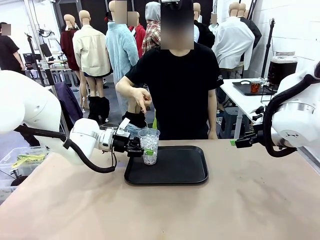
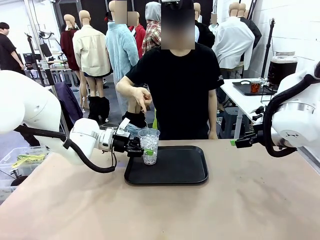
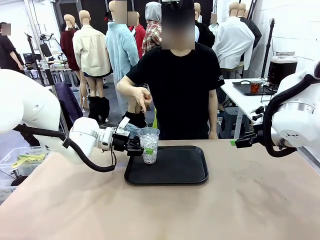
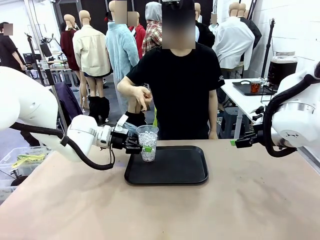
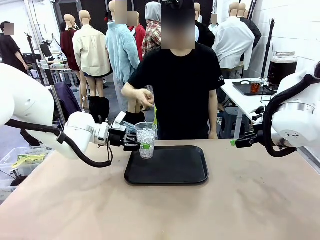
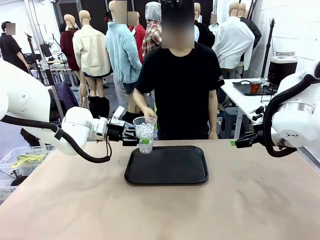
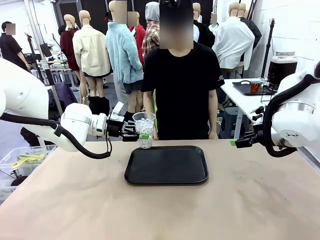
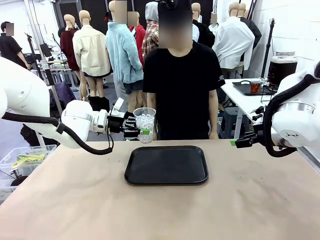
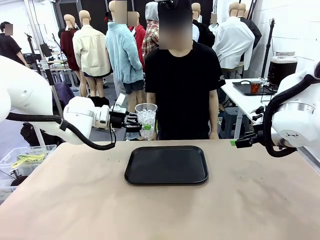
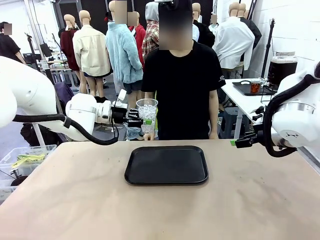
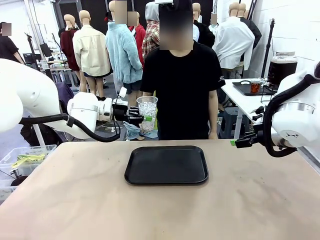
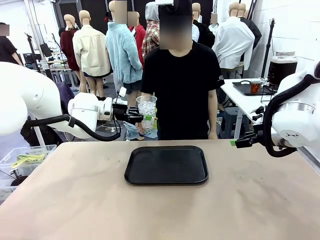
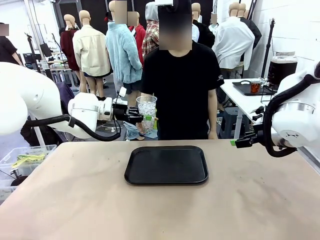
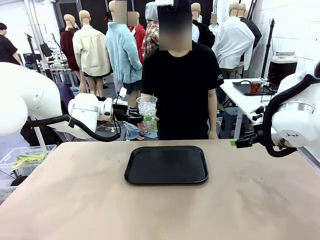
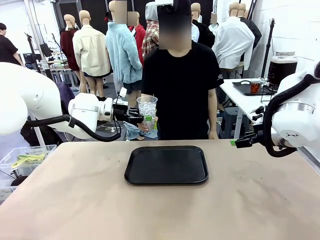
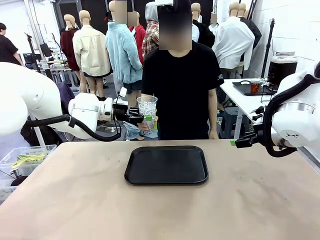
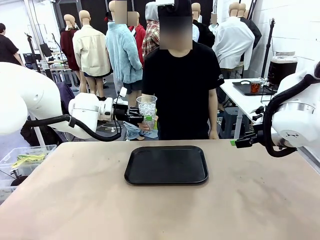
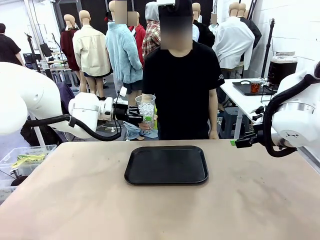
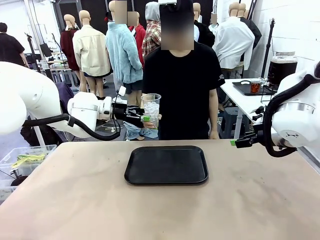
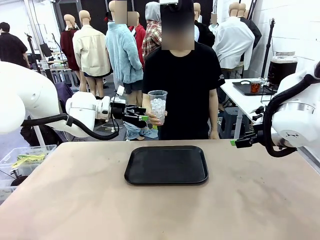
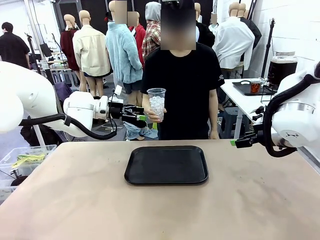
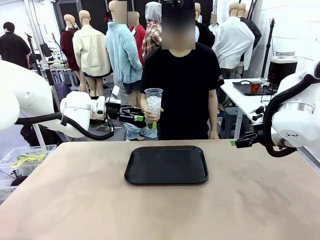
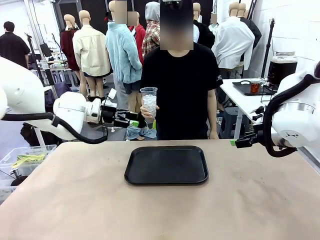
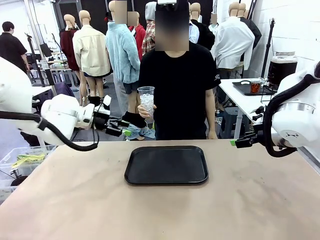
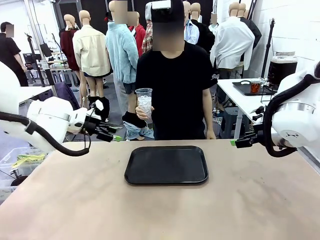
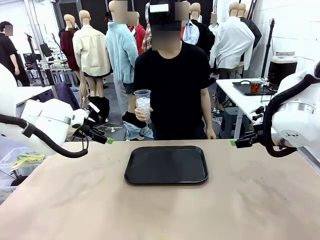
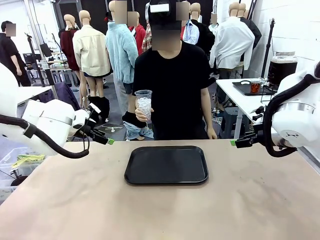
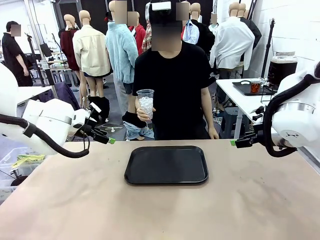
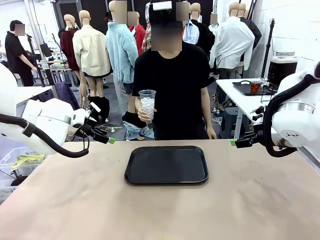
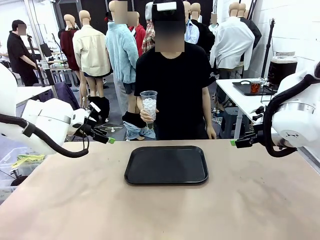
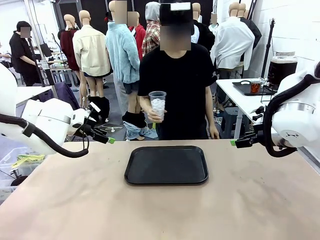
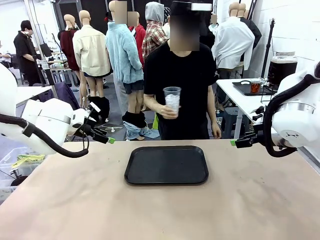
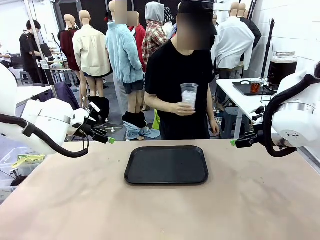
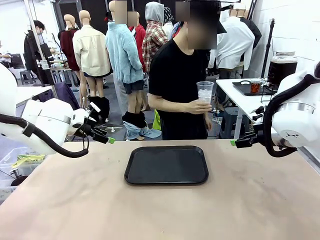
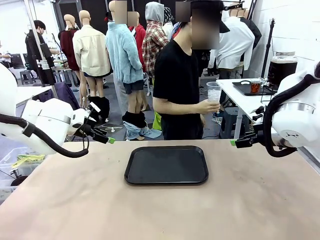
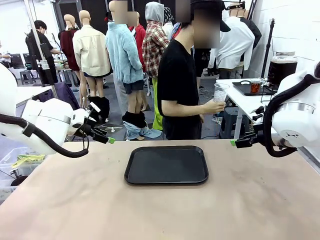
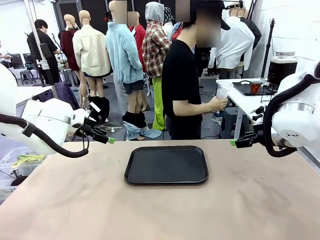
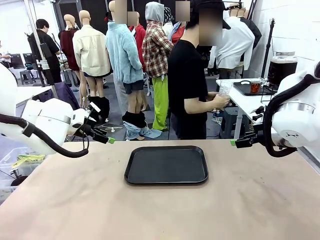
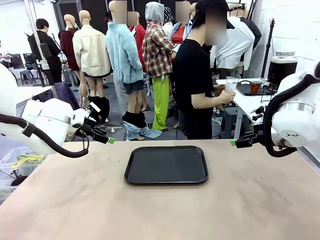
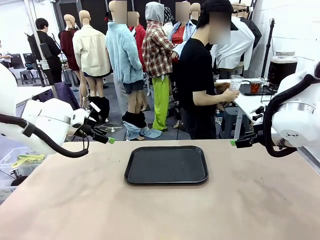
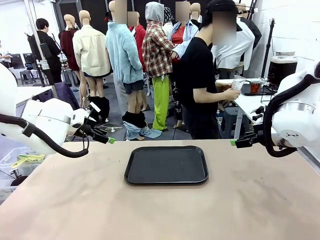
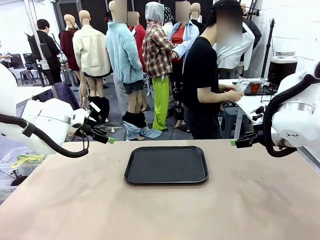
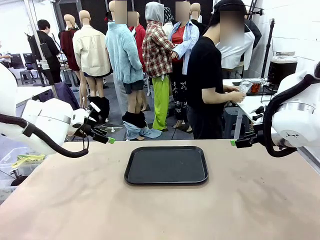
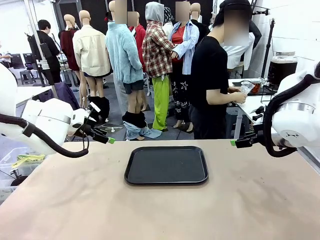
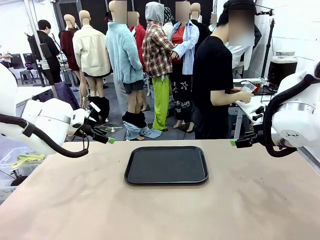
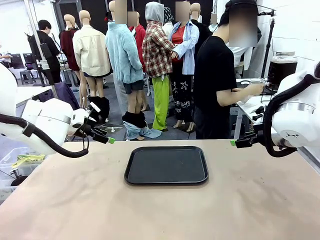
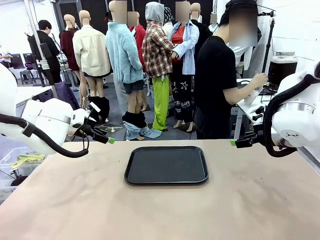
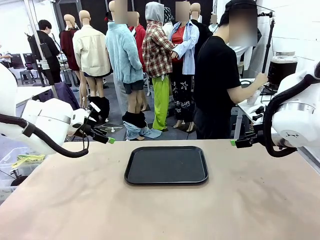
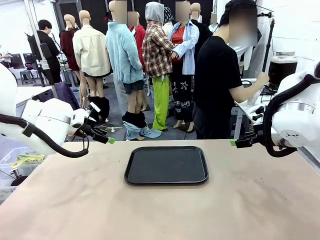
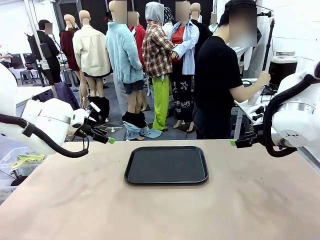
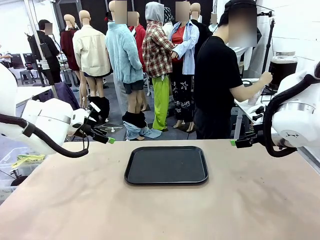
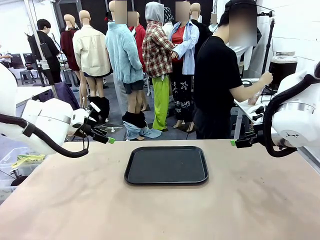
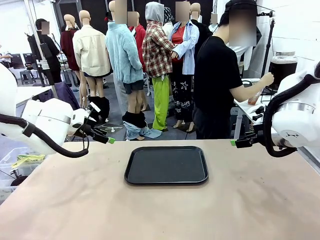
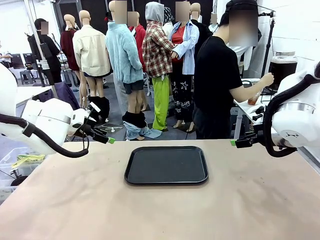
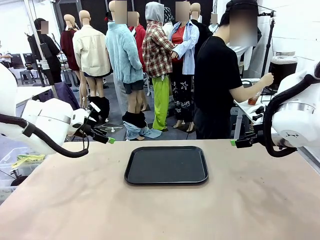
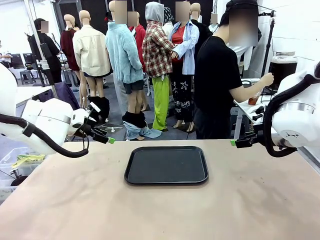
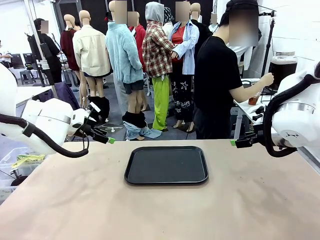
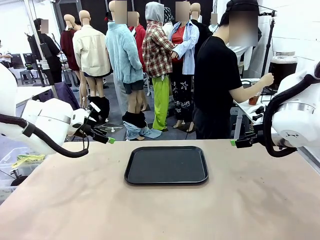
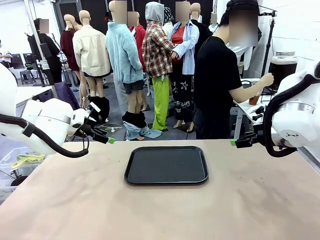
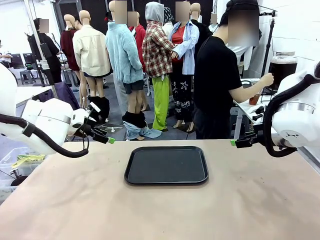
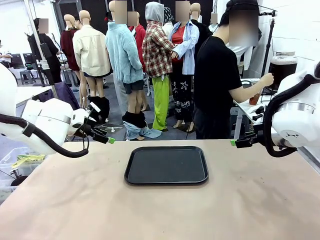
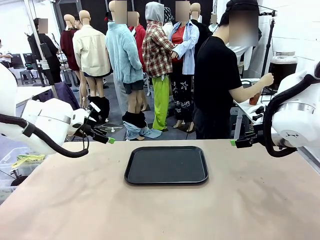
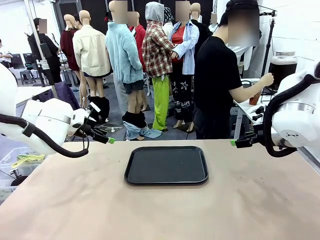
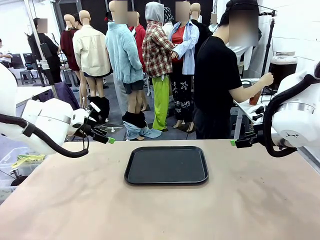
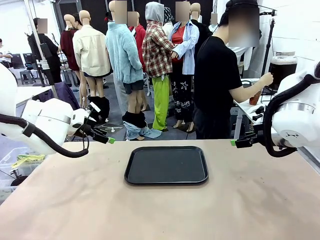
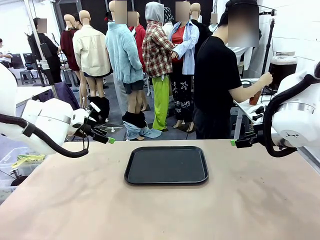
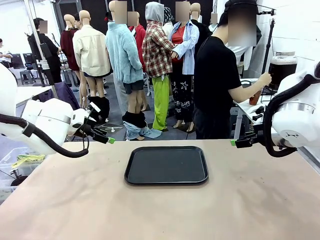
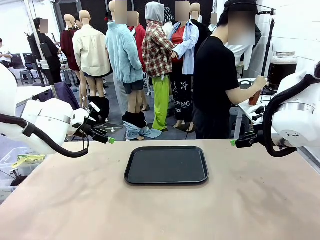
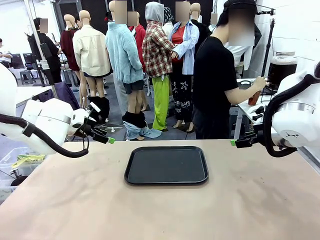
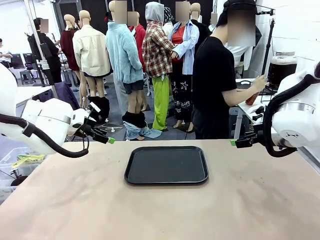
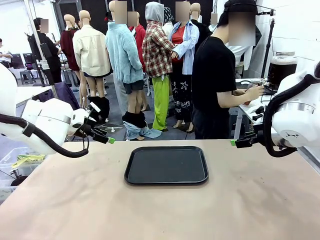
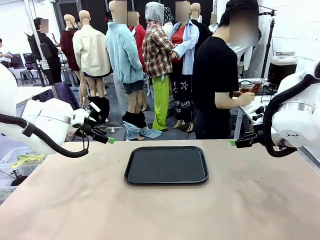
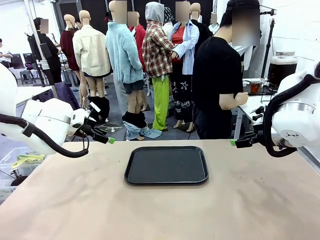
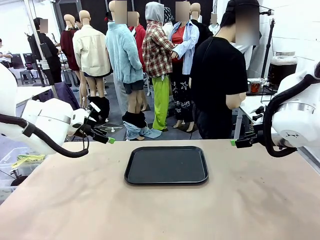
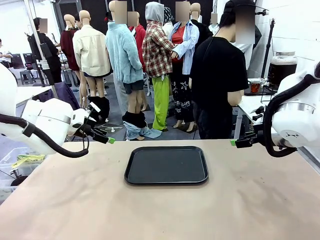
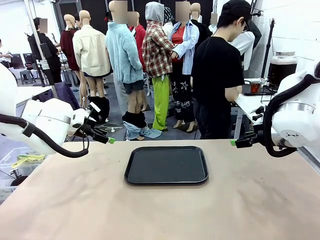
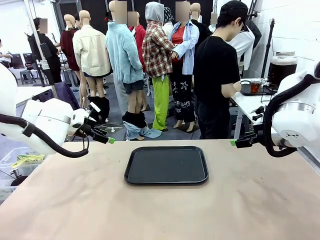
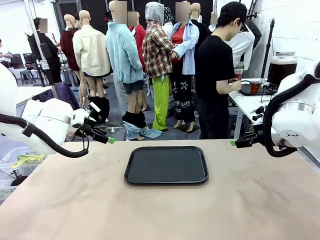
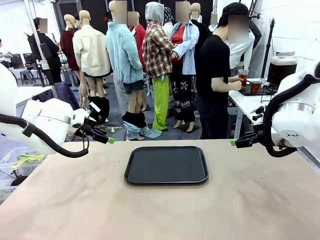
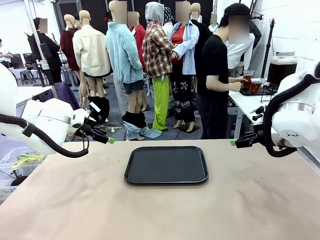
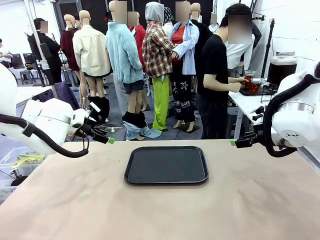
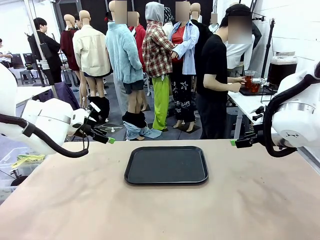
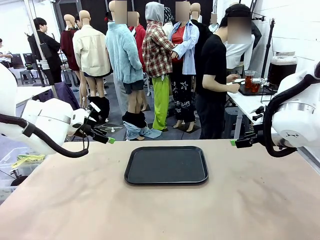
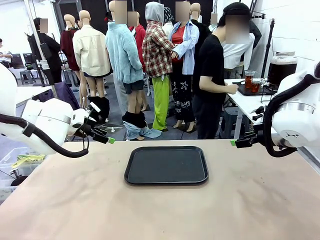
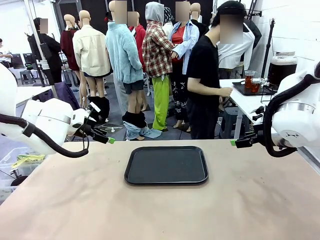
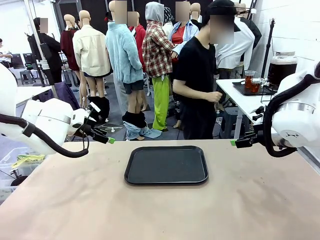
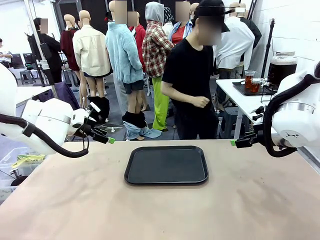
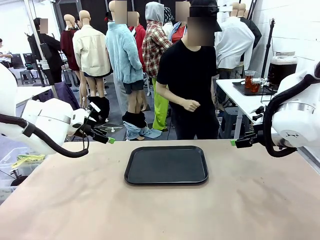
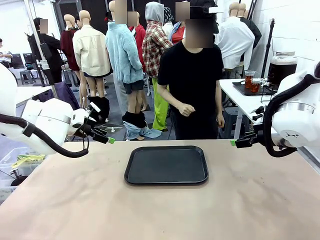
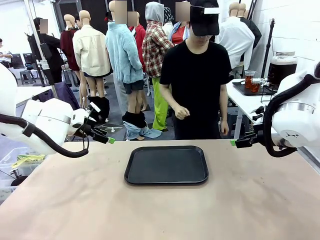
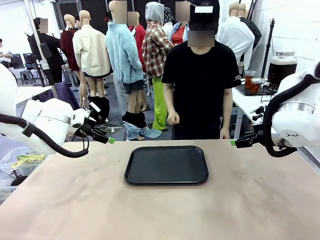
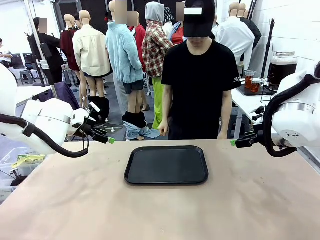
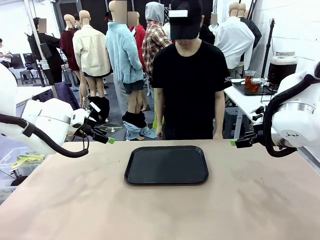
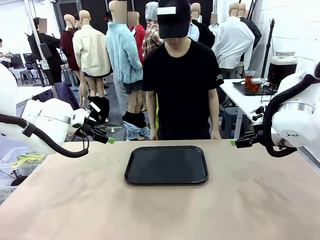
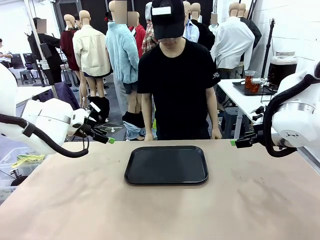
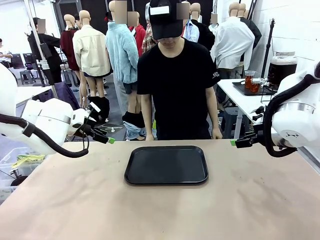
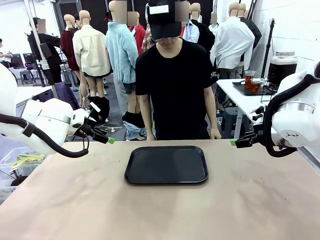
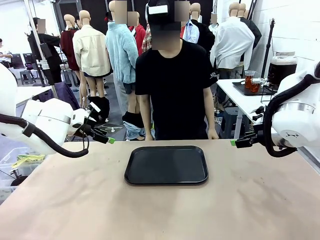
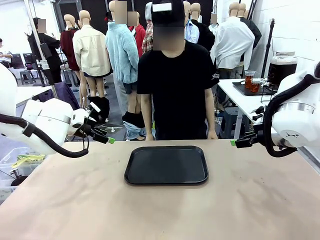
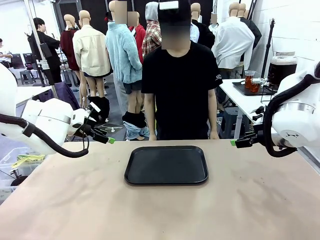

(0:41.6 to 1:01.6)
Task: Pour the drink into the iced cup.
Robot: Open the gripper to release the iced cup you were holding.
Person: Move the picked-up cup under the dispenser faucet, pour the drink, and place it on the tray on the human table.
